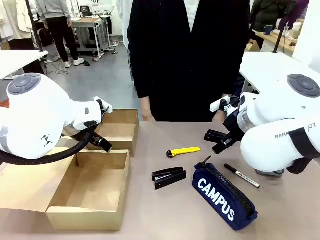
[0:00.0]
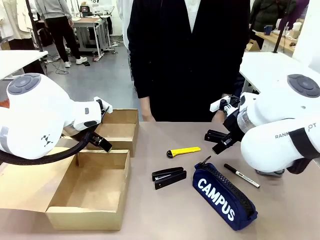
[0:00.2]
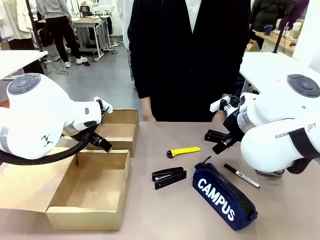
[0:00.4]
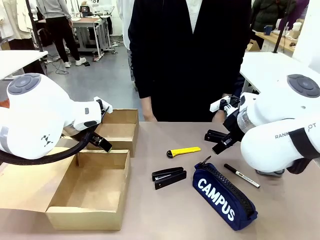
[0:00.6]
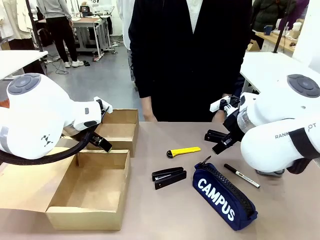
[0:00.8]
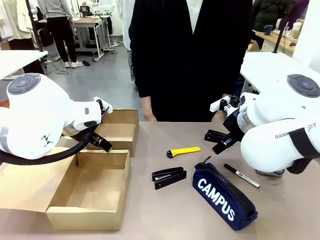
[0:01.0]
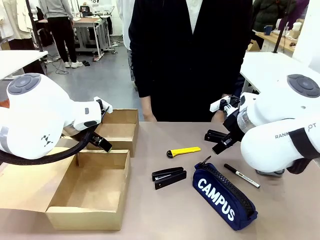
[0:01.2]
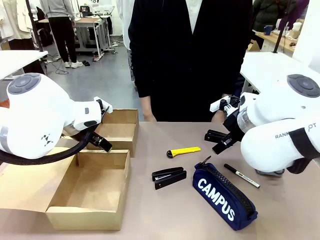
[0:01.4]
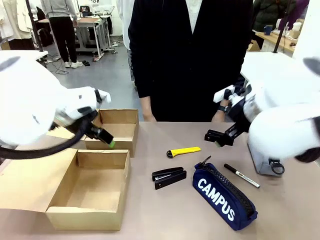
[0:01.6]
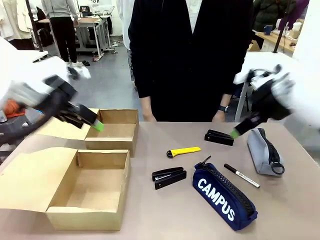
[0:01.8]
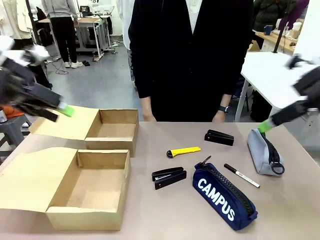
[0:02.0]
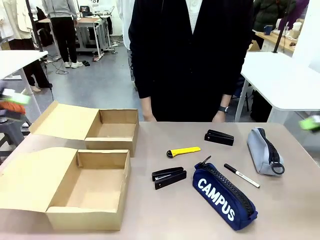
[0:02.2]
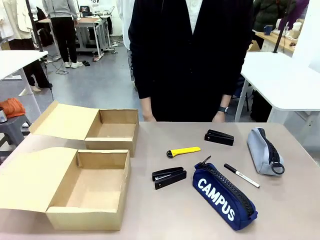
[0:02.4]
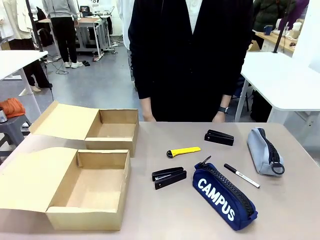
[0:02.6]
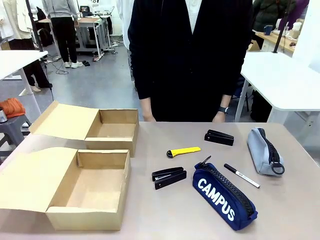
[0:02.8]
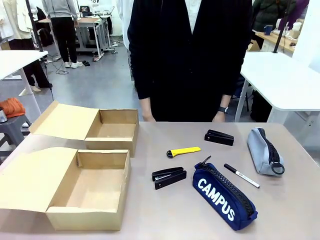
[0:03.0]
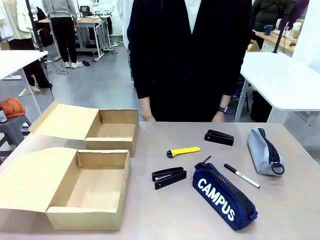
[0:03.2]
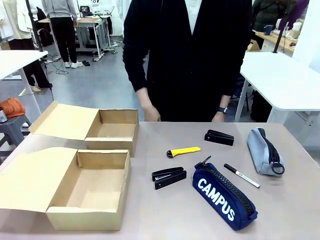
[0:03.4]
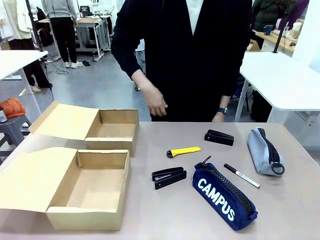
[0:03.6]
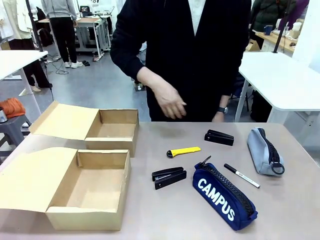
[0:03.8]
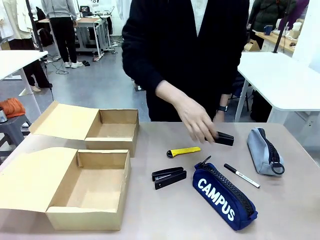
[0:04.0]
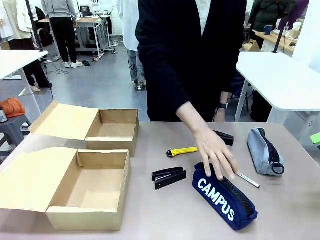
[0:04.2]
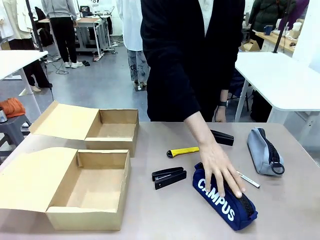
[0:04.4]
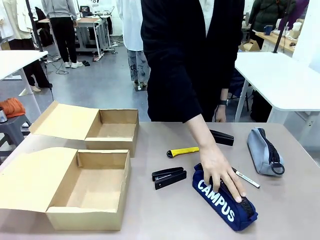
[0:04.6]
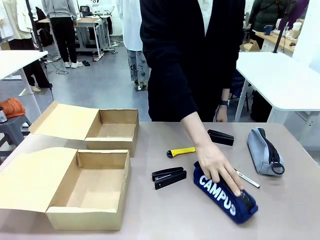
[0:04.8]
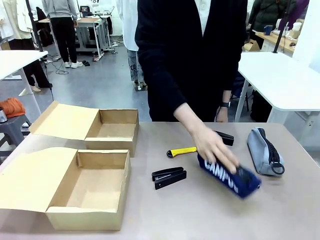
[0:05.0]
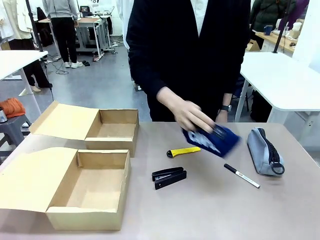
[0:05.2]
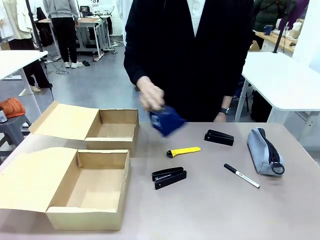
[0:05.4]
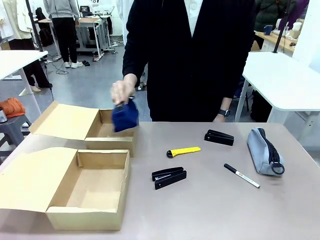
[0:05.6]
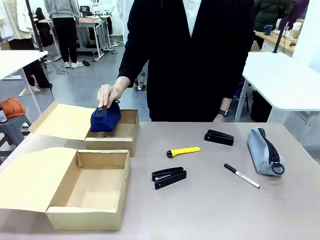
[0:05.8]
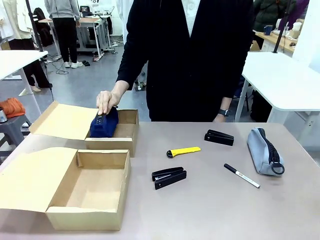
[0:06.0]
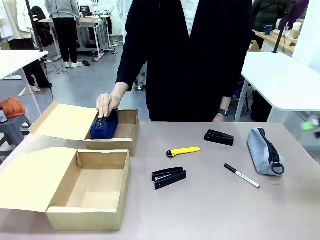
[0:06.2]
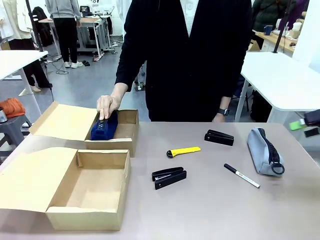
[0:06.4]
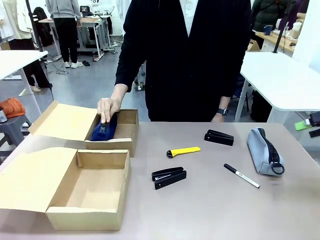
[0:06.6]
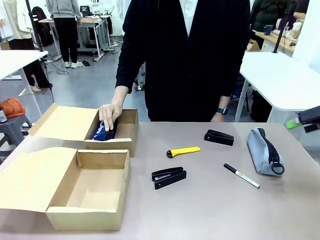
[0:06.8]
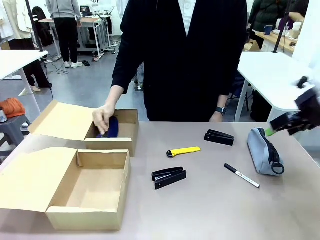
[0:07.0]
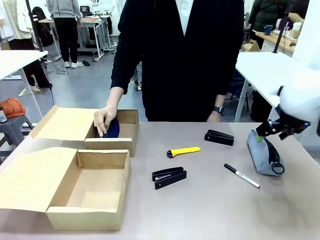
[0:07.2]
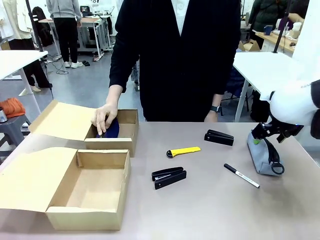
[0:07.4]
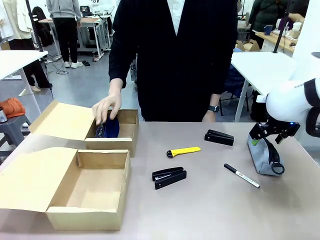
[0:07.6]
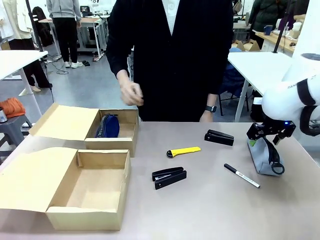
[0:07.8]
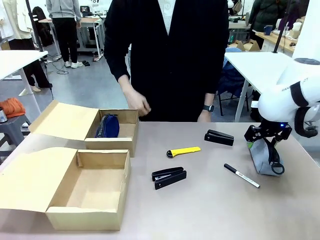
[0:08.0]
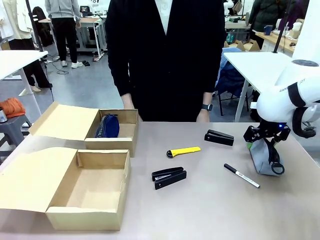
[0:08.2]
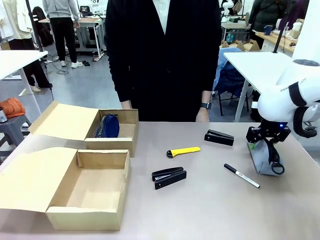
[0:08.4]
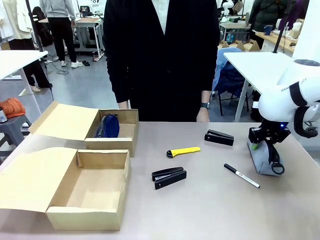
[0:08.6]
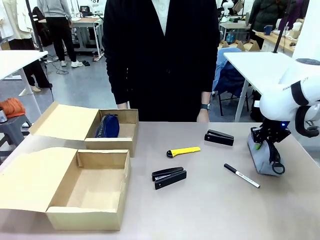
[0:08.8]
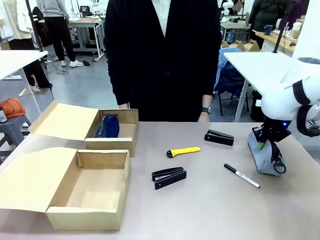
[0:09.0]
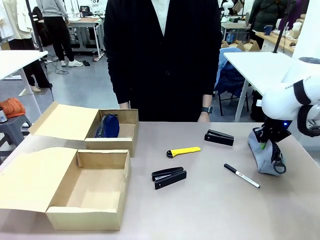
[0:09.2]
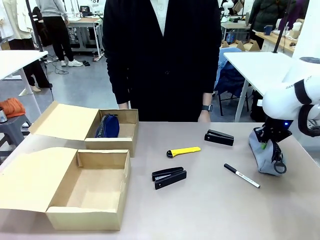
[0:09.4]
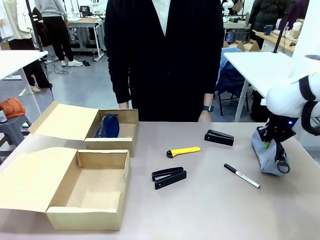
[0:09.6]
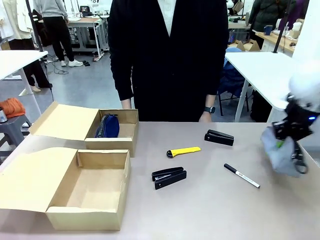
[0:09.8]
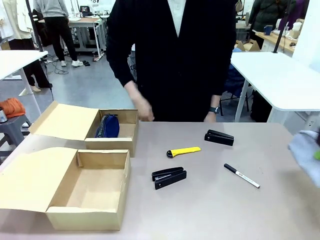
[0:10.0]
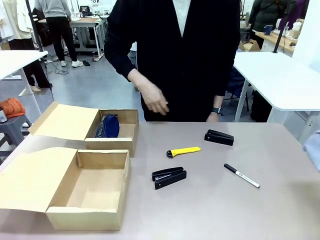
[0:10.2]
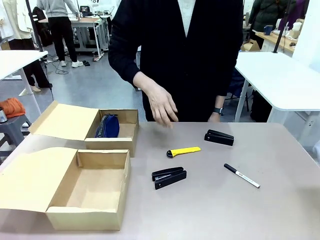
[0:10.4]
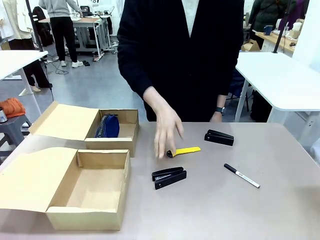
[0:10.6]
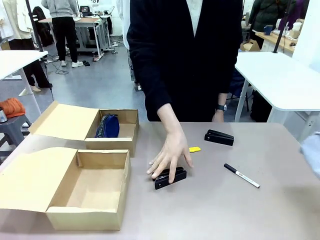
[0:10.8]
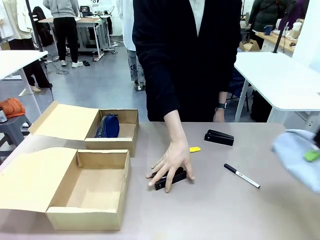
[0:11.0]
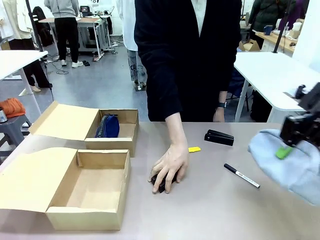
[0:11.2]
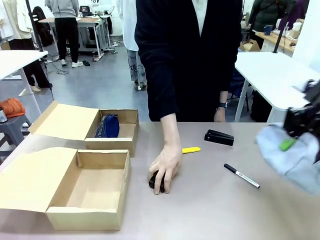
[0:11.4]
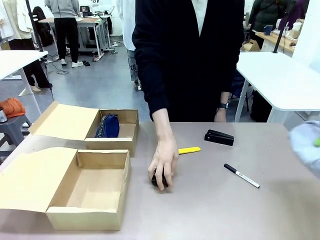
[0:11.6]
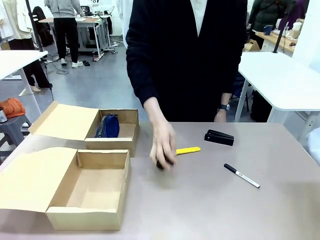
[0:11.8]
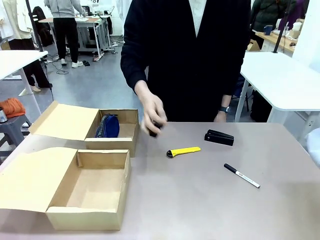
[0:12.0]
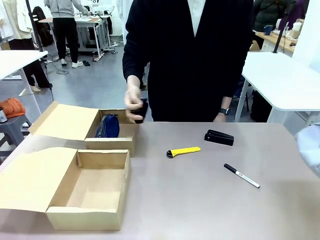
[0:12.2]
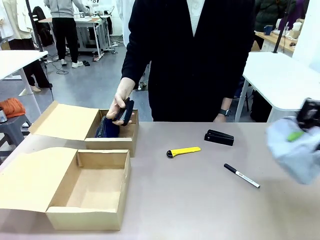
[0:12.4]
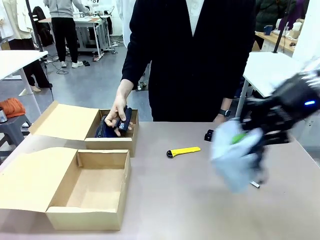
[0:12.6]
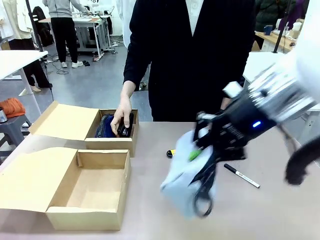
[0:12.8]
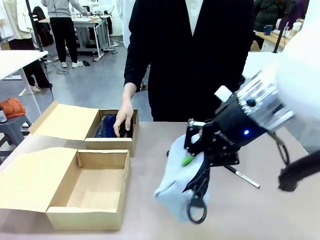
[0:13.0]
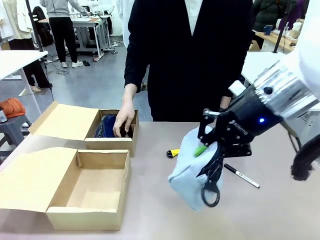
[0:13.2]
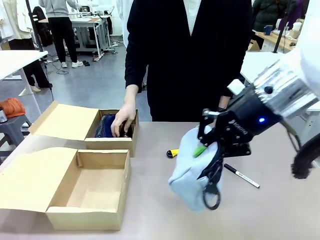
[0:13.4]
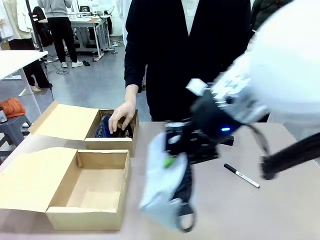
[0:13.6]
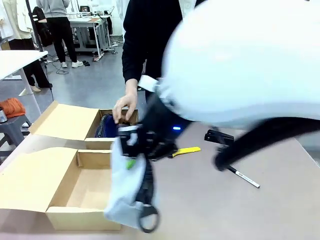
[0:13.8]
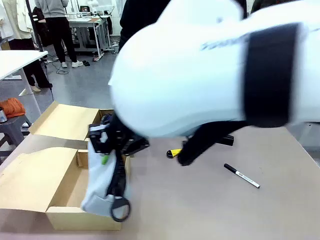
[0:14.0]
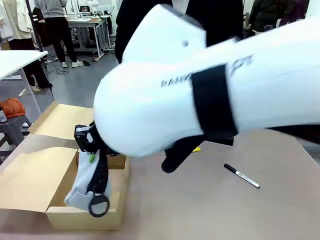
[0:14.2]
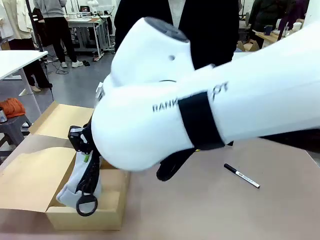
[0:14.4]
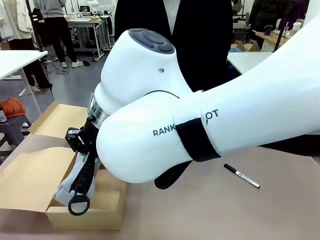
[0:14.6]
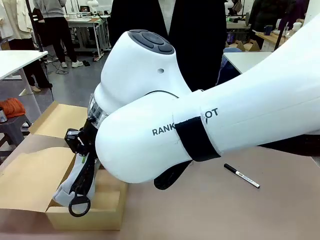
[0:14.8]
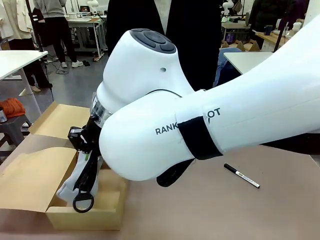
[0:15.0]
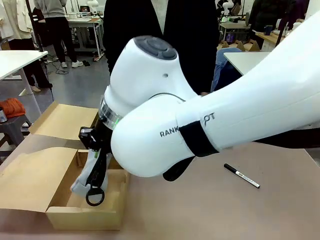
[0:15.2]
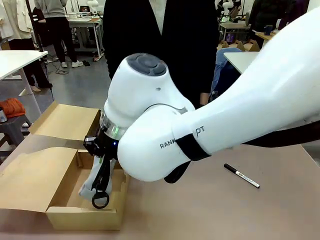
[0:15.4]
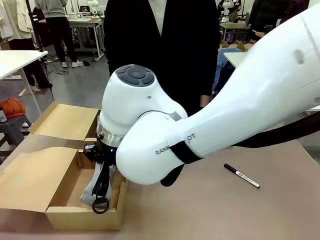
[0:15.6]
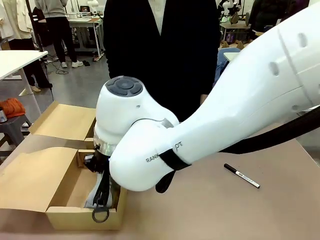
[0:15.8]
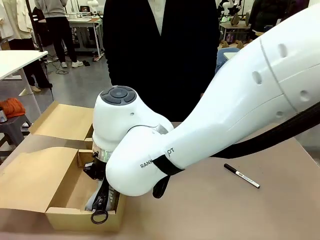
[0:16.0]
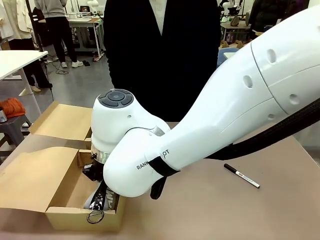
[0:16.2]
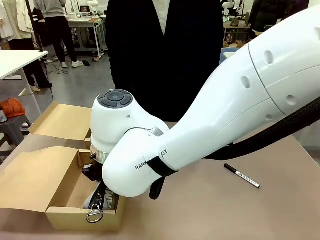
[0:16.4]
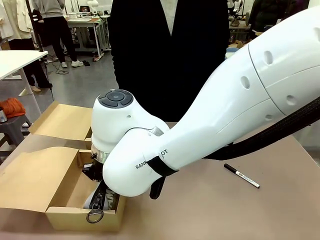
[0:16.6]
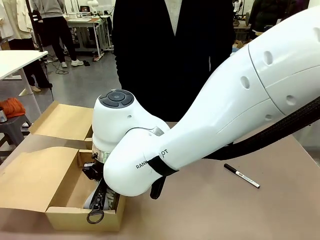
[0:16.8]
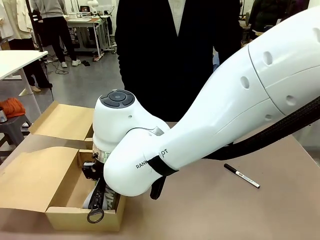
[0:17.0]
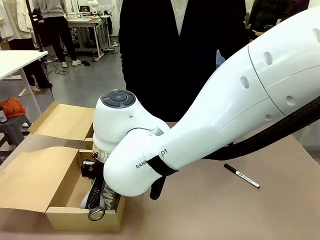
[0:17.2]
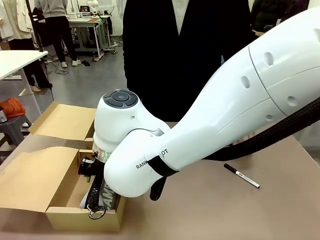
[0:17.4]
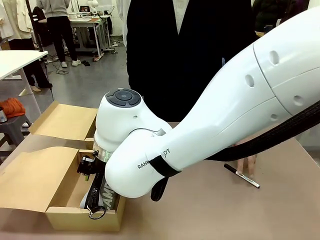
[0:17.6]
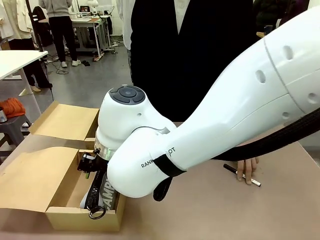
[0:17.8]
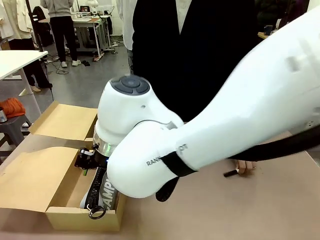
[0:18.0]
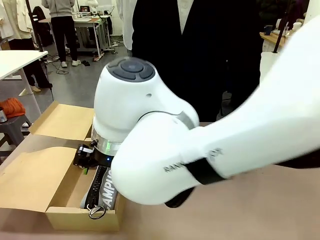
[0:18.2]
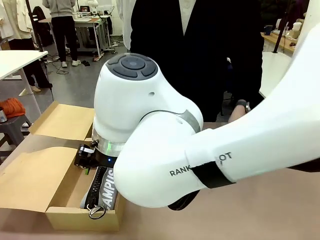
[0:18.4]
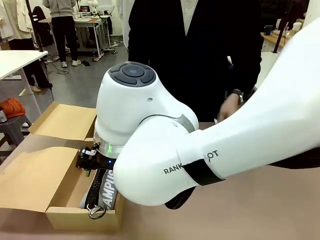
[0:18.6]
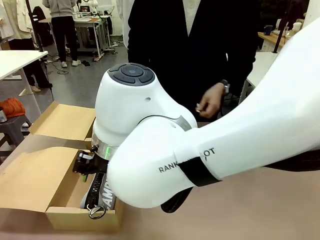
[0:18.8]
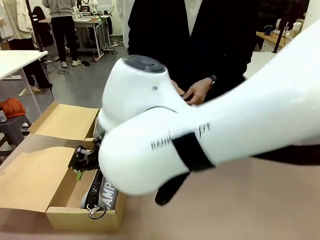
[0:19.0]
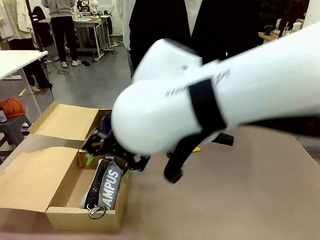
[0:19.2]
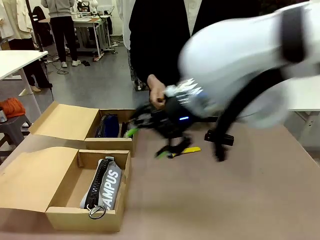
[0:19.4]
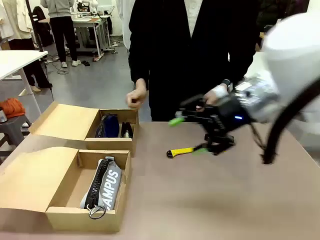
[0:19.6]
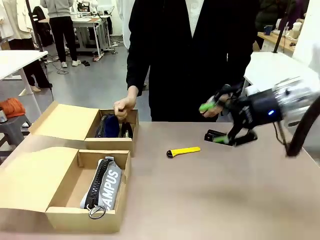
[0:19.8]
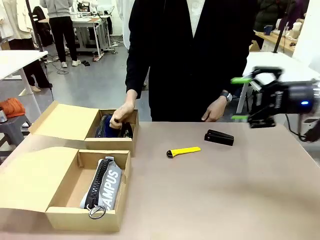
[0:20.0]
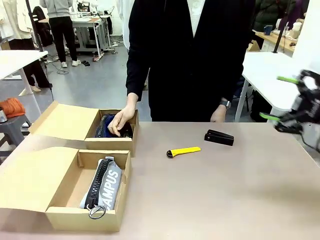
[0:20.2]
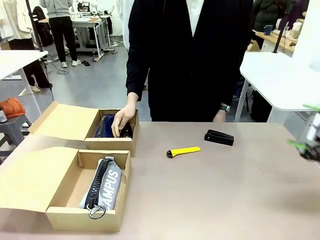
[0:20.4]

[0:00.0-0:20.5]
Task: Place items inside the box.
Robot: Pick up a Pencil pouch or Stapler and place it inside the Mailer Box closest to the robot.
Person: Pick up an object on the table and put it in the box.
